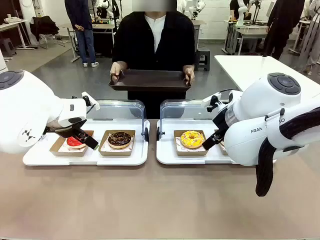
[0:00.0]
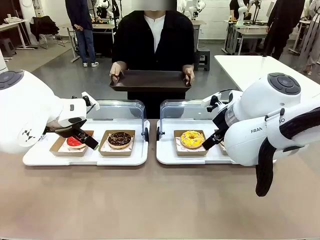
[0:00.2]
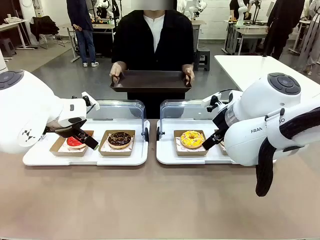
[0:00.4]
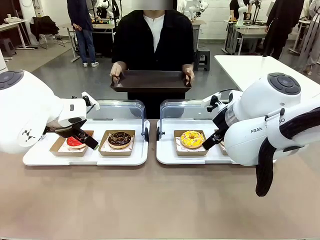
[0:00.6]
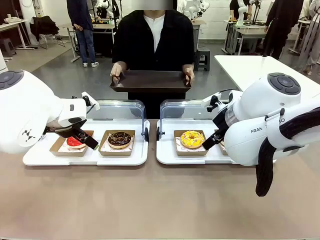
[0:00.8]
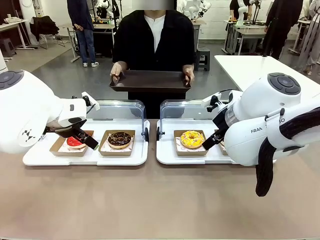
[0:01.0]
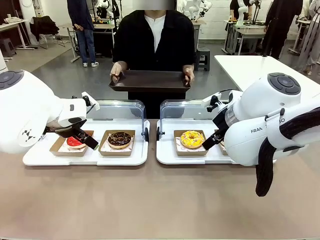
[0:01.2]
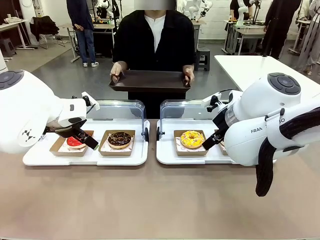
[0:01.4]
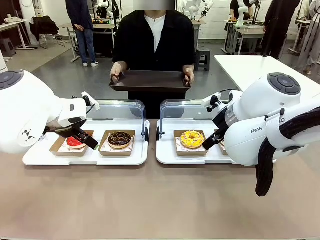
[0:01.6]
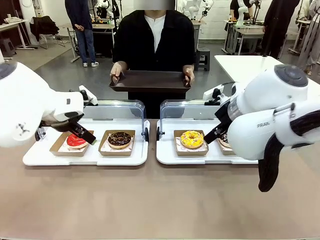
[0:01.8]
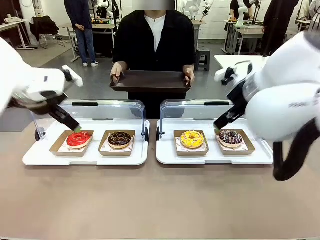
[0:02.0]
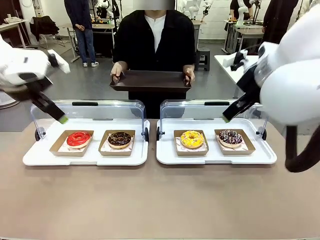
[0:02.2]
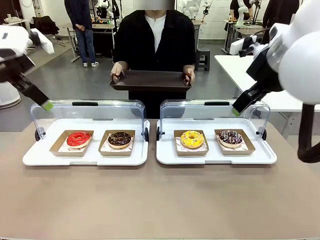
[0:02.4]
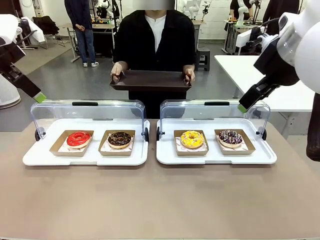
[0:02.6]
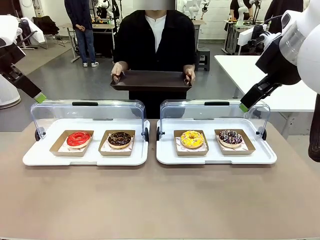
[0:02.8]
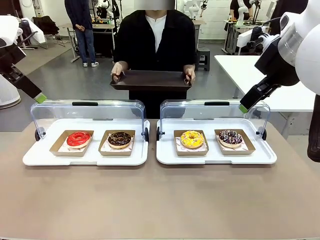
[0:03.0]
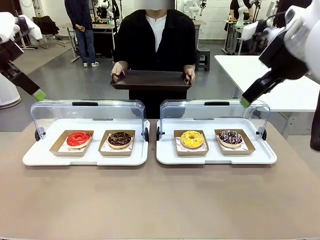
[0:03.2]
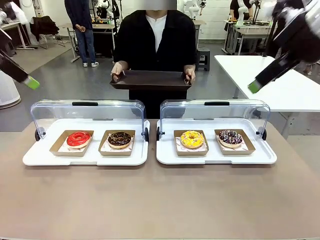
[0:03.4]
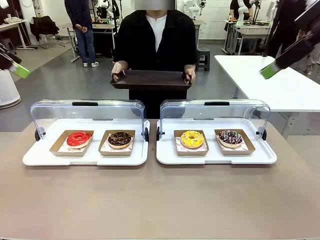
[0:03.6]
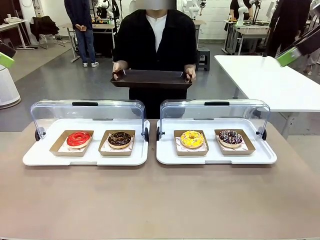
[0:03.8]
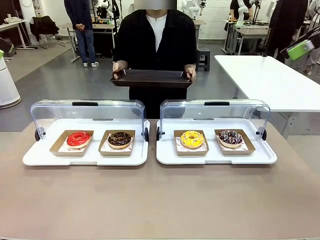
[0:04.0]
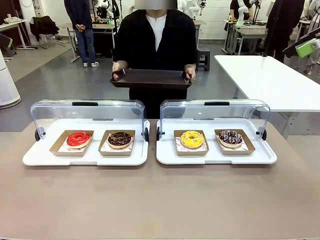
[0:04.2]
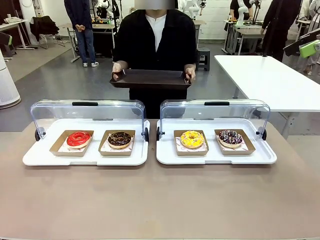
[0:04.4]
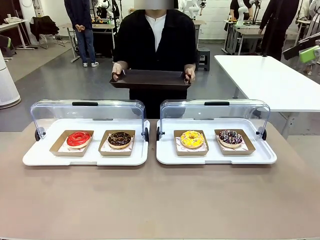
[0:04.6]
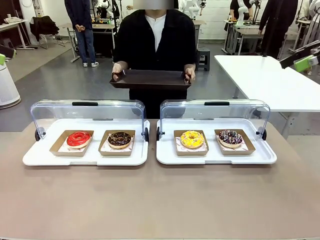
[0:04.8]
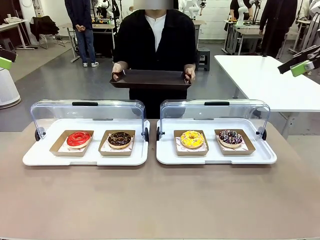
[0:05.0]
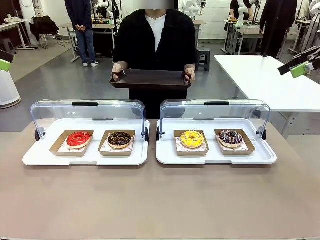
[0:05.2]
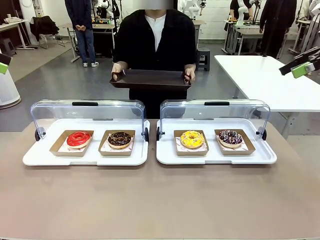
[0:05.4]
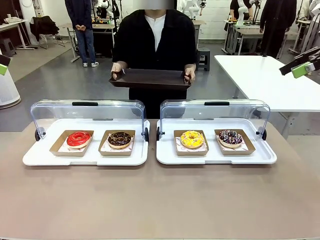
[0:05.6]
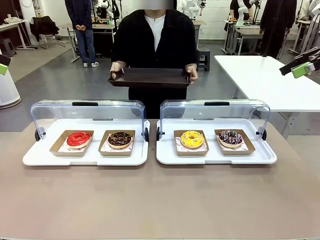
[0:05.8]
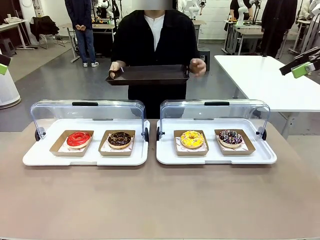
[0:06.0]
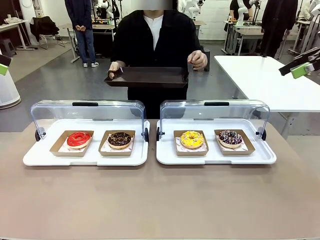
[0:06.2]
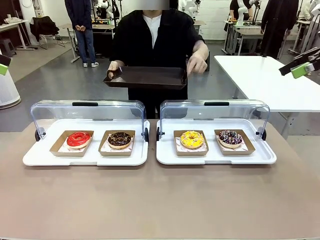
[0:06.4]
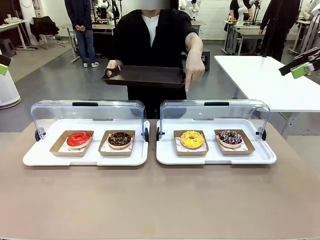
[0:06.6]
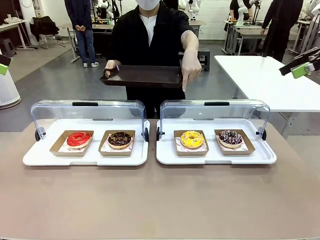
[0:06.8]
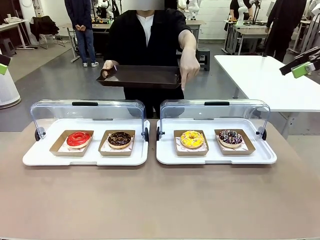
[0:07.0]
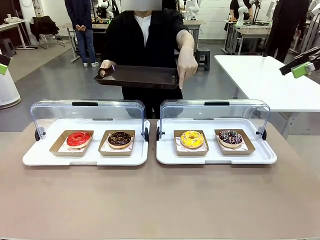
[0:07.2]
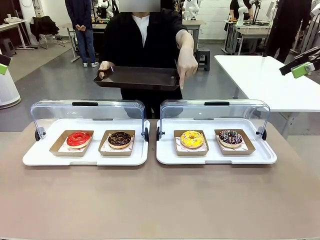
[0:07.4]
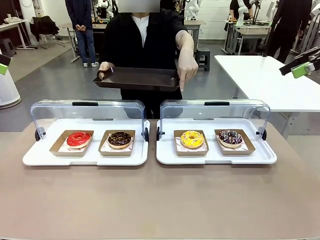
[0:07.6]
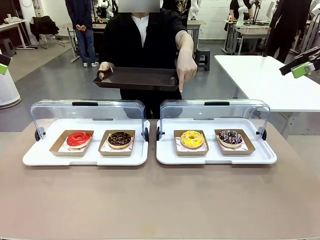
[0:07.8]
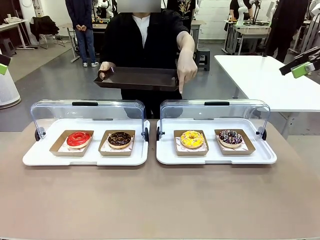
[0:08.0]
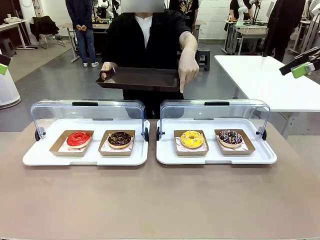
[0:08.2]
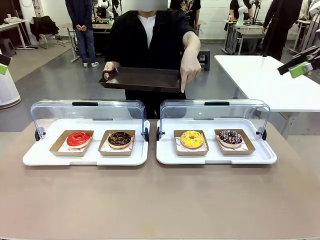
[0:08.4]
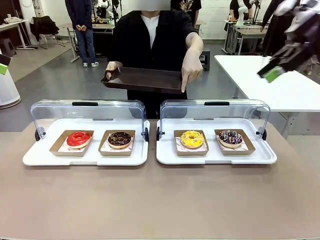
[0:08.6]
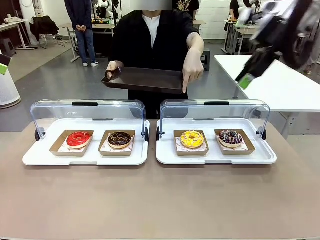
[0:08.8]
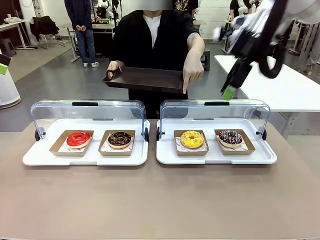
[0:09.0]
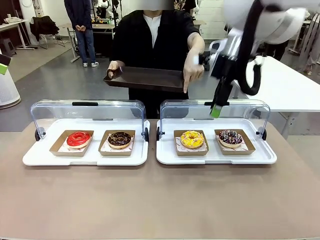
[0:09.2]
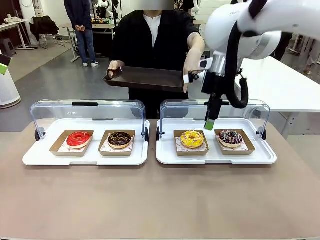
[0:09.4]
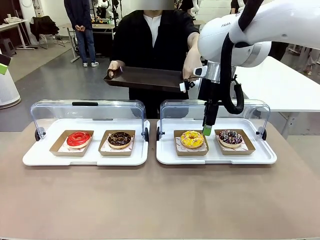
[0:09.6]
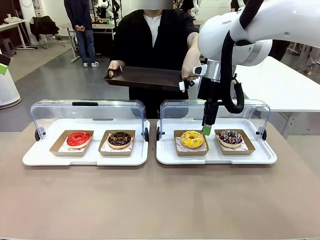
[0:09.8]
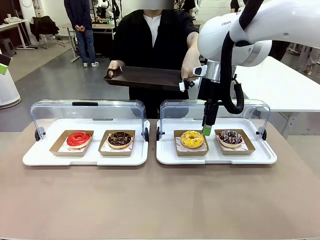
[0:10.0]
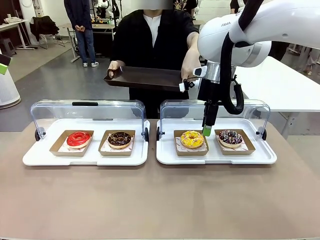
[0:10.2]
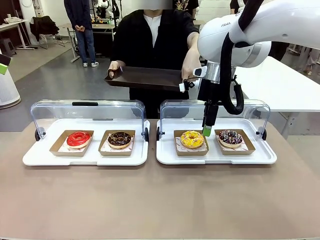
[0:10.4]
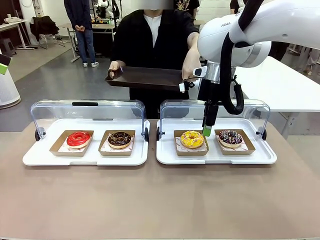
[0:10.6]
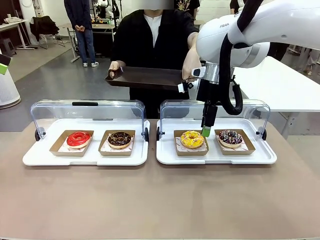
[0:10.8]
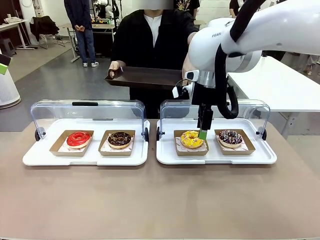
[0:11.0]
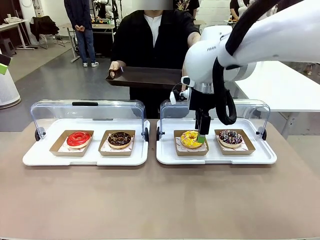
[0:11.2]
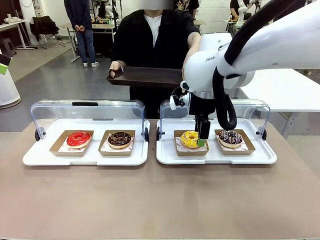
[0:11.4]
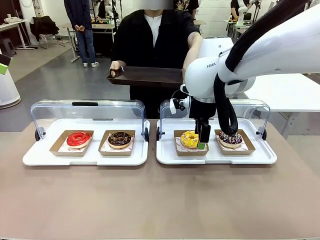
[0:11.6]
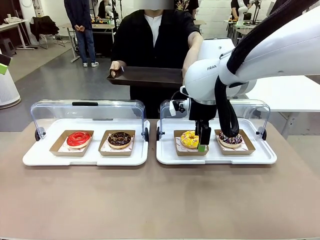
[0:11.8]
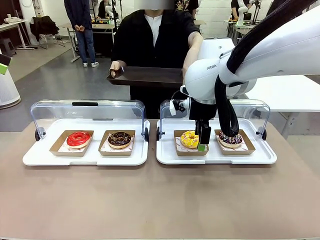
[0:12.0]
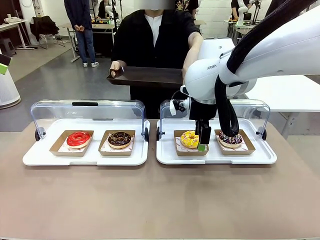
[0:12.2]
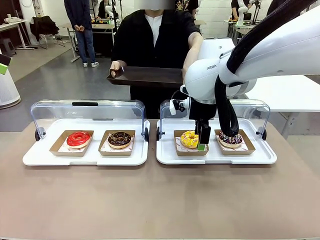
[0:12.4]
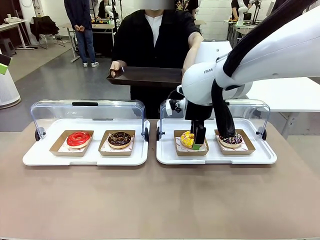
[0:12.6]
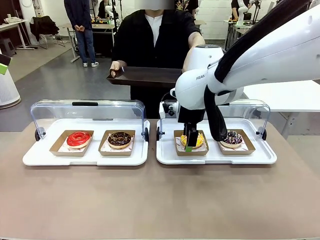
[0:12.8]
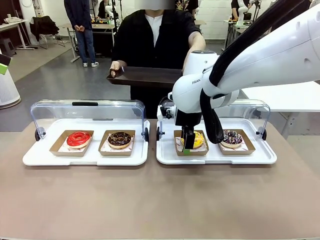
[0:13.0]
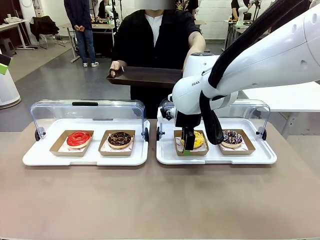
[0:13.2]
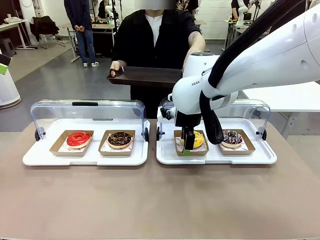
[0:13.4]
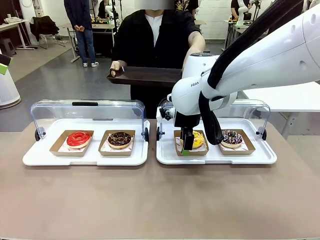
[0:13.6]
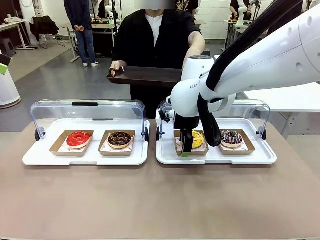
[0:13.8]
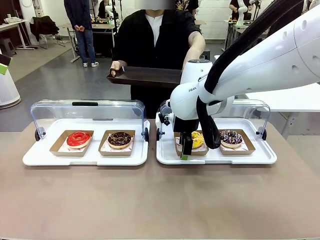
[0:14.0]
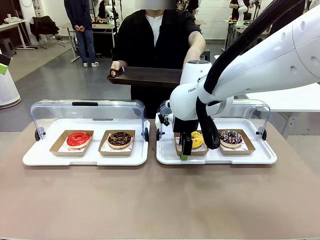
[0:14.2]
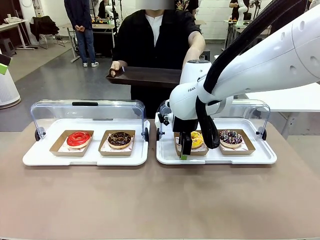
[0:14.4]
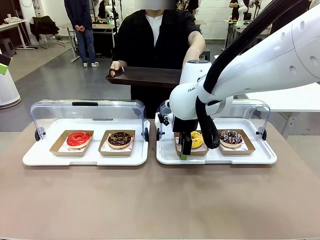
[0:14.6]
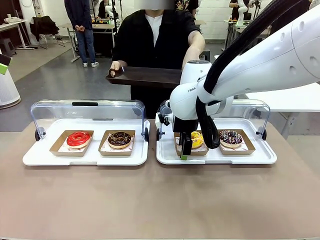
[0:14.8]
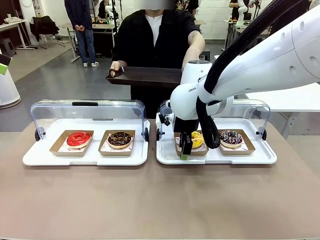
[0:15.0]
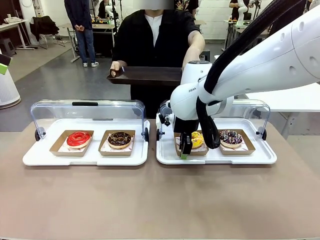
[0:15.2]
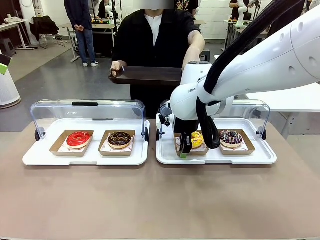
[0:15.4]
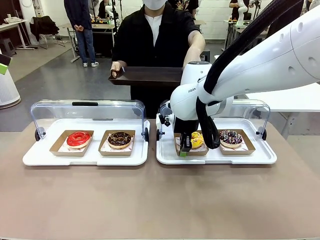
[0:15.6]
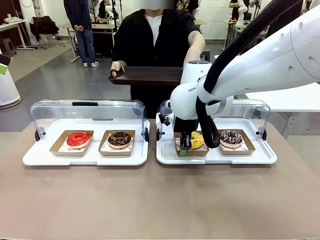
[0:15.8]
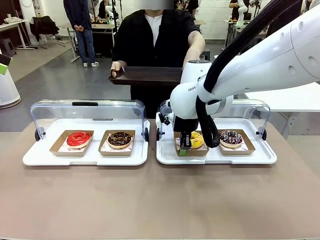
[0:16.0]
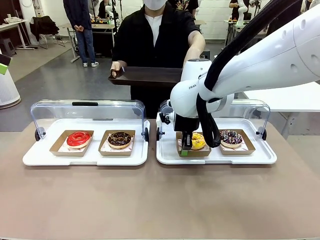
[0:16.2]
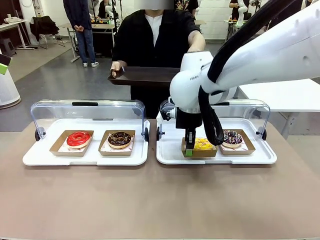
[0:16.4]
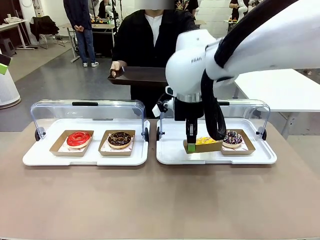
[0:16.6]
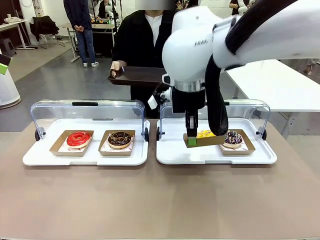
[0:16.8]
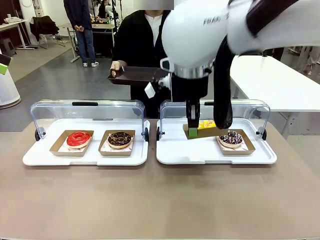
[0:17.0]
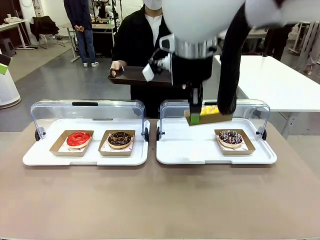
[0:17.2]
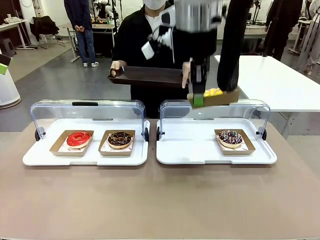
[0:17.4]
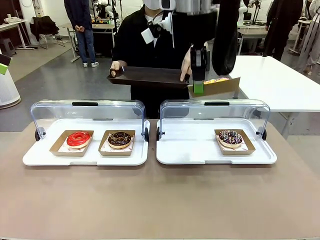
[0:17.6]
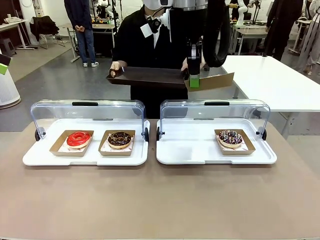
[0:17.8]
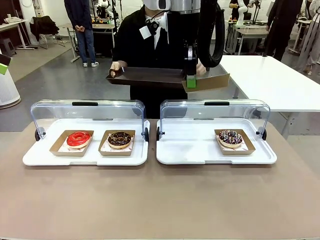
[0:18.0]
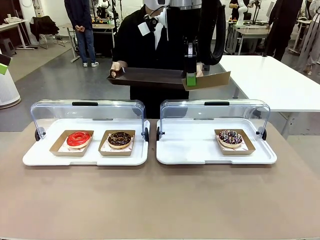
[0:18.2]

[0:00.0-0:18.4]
Task: Provide the desired donut to the person.
Robot: Pick up and lift the Paper togo box containing the Donut pointed at by the person.
Person: Point to one donut. Lift the tray onto the Roll-Top Bakery Case.
